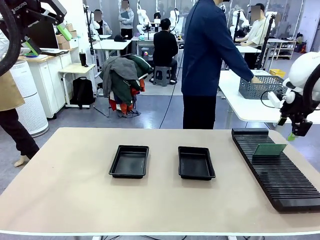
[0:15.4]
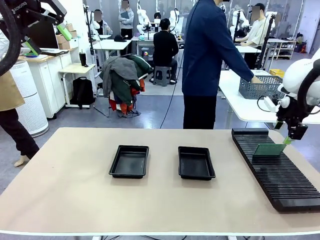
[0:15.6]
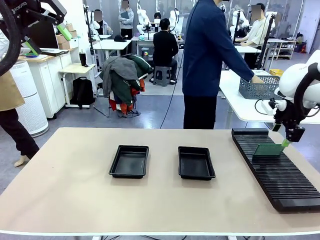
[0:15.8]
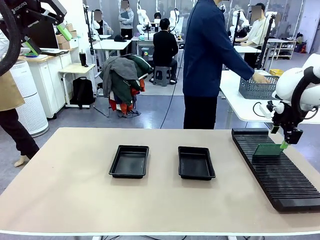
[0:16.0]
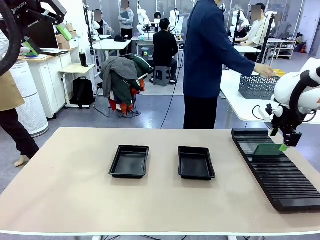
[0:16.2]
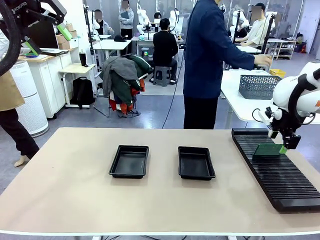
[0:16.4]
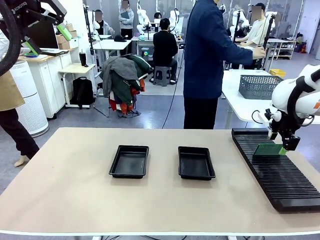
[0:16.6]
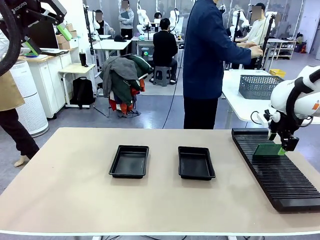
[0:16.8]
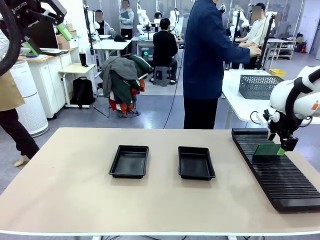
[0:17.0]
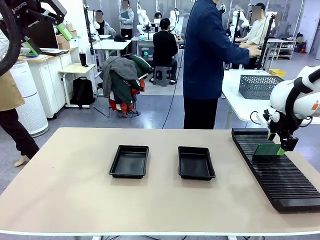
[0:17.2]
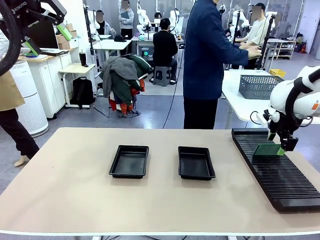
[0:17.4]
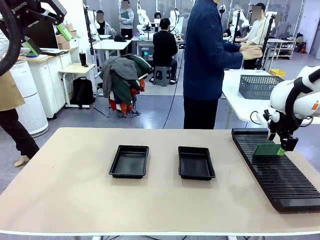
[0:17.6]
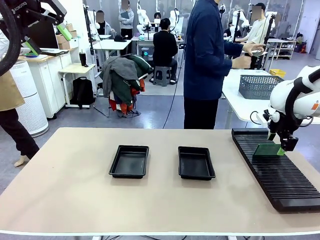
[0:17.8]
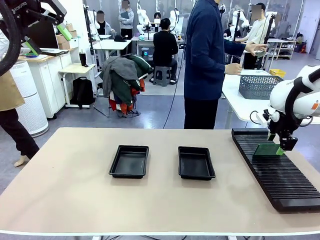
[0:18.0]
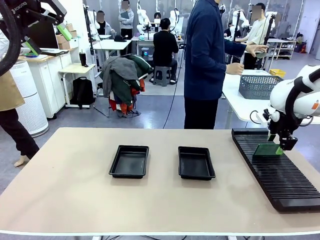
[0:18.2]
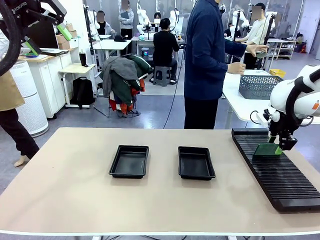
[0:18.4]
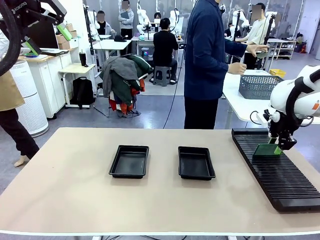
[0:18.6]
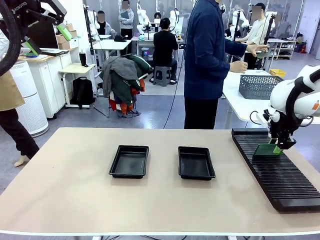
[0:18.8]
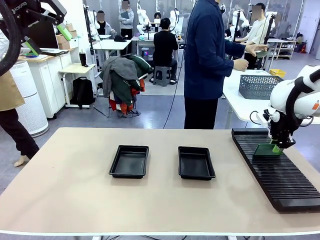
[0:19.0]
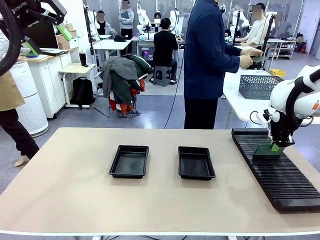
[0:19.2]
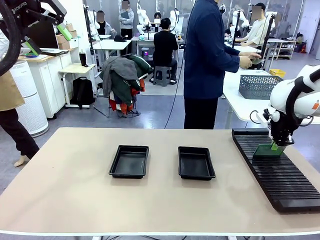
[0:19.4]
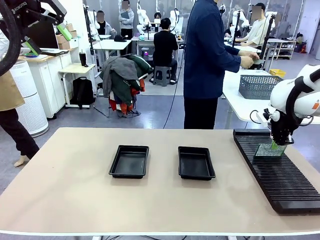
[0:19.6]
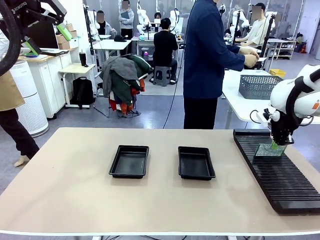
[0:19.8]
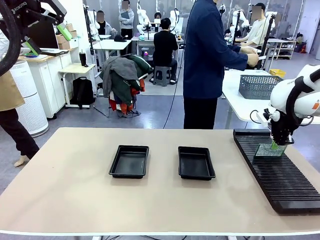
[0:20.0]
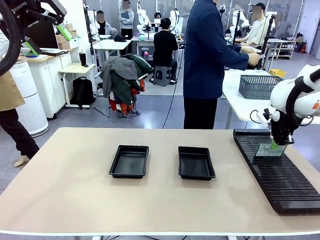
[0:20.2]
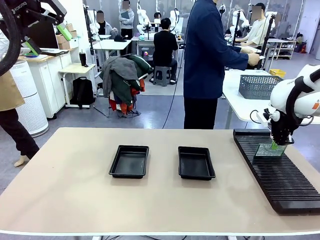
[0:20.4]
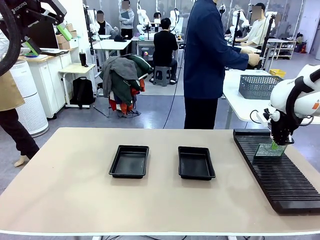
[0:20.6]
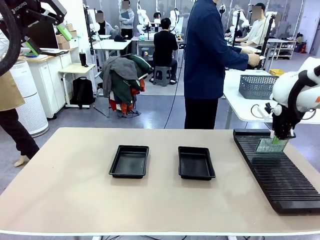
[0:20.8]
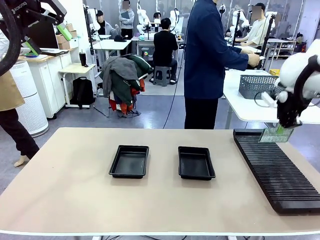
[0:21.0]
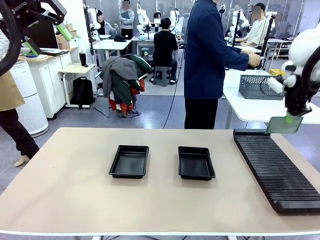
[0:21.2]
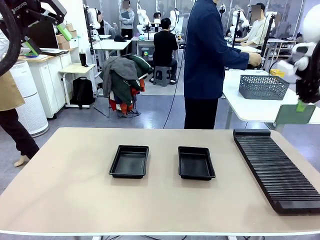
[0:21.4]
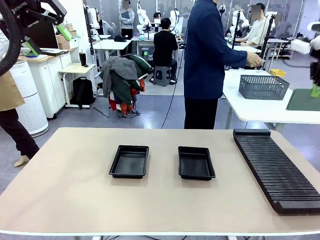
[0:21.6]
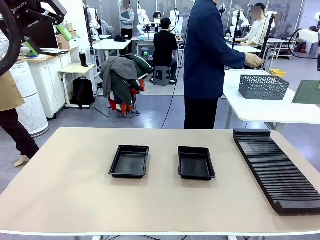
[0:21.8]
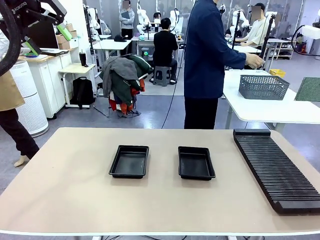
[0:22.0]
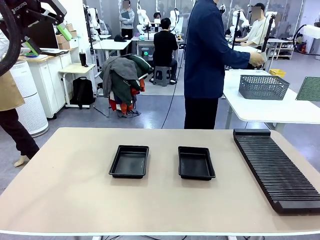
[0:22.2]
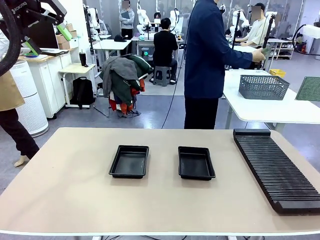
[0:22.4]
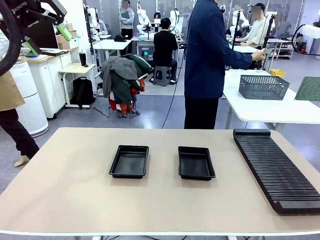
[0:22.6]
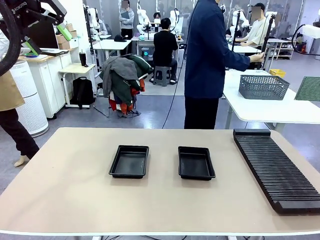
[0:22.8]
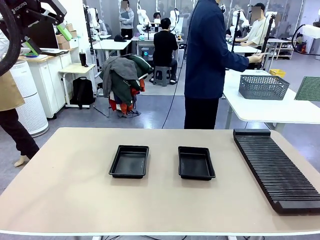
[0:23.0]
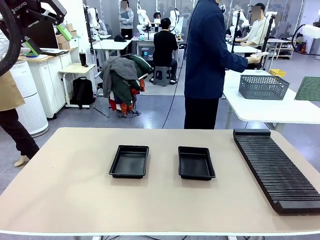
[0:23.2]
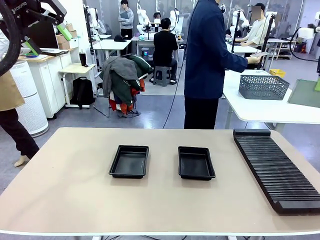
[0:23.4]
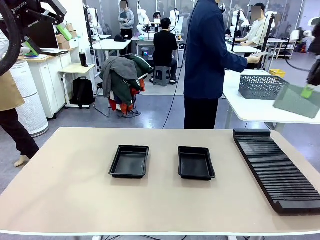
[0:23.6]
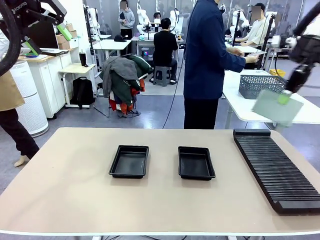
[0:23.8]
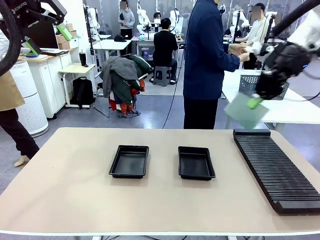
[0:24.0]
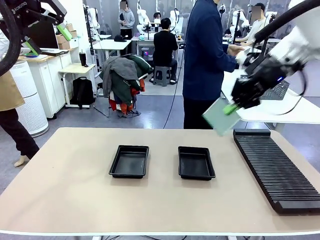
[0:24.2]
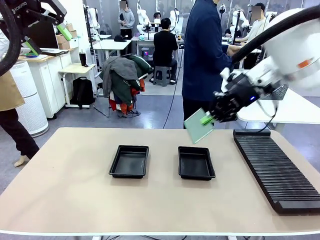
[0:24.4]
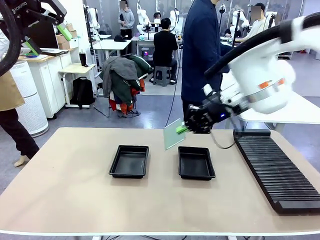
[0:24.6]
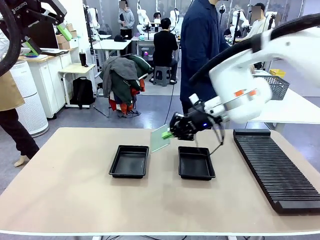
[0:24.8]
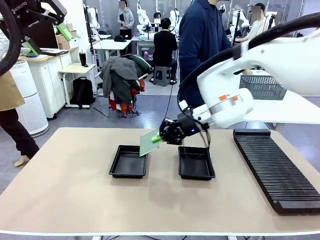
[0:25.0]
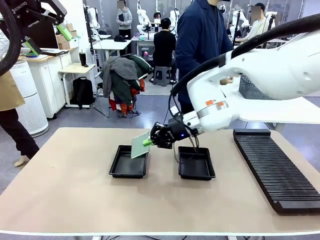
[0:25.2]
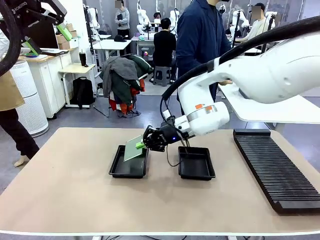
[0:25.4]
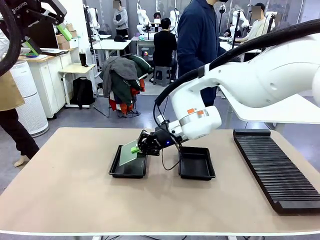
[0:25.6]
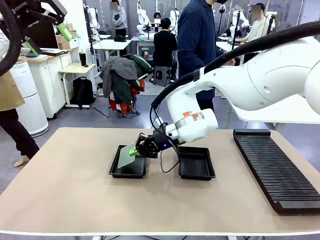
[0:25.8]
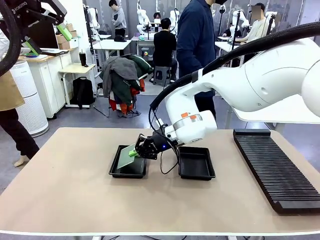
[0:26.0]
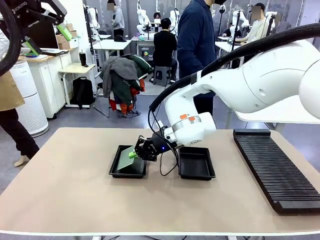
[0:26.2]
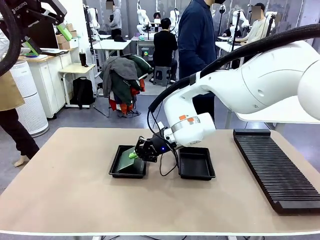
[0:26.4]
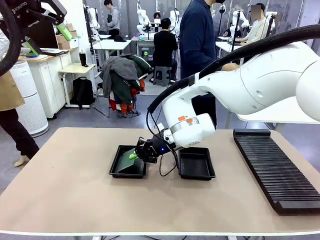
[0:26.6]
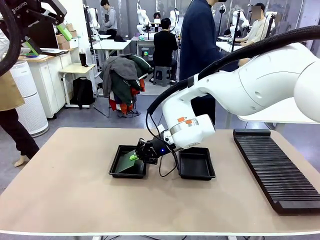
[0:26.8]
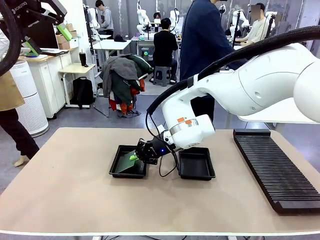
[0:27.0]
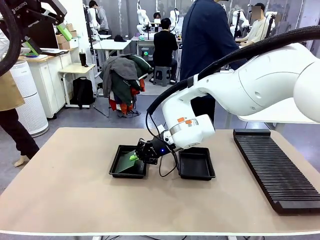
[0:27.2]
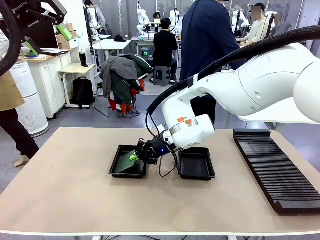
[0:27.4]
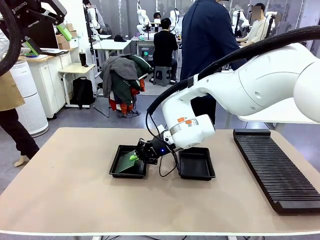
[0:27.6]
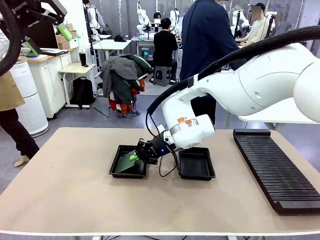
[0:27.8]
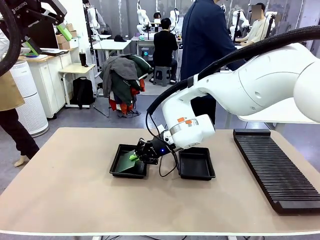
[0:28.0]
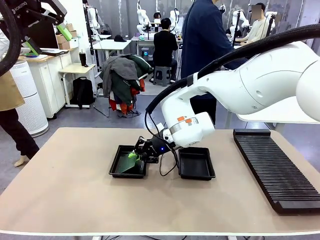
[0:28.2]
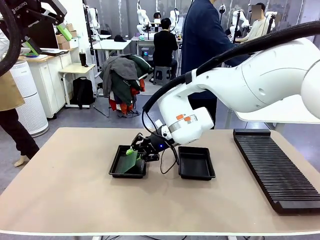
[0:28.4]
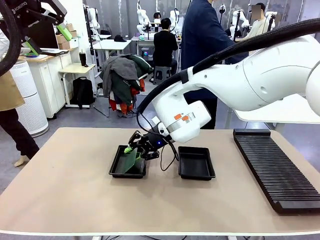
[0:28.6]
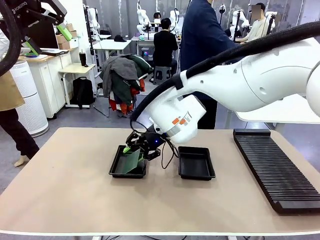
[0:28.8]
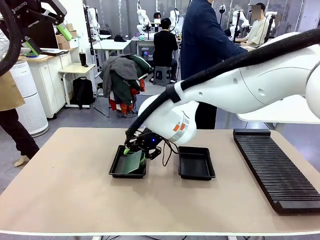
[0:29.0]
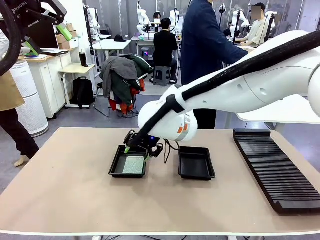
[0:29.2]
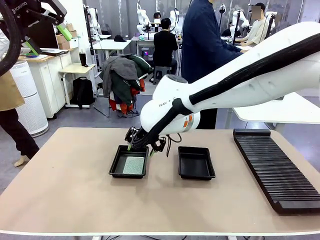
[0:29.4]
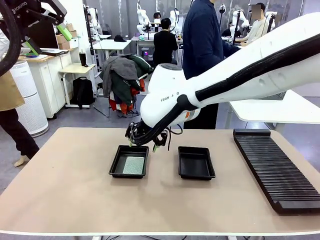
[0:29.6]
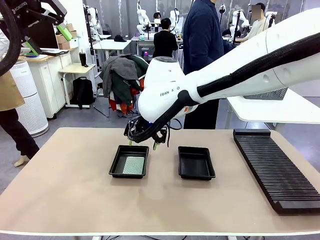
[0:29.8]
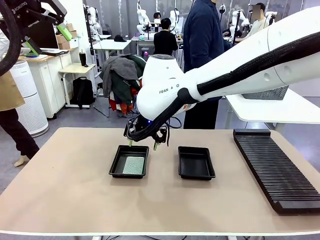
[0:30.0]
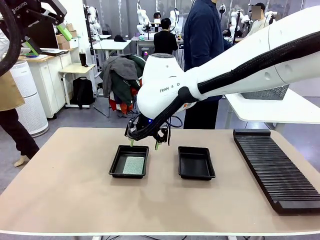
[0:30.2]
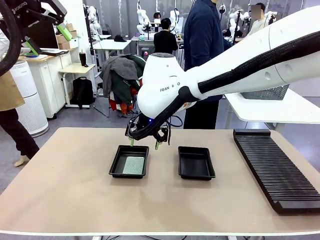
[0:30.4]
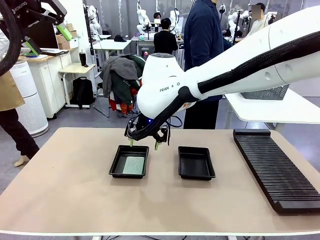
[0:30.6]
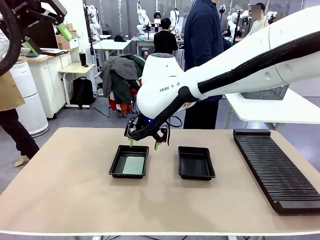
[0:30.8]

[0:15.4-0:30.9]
Task: Inspect and transfer BCBs to ESD trays.
Robot: Pick up the Blank PCB from the PCB Rack and place it in the left ESD tray.
